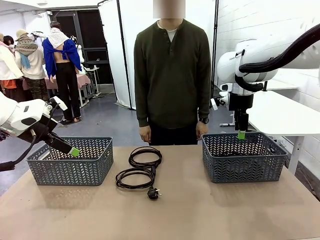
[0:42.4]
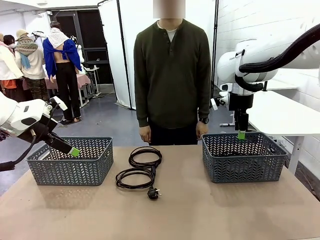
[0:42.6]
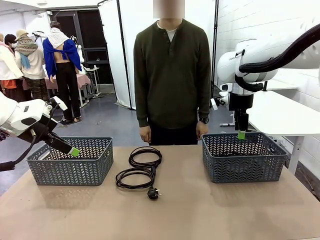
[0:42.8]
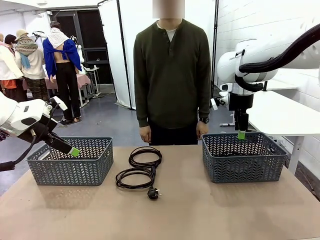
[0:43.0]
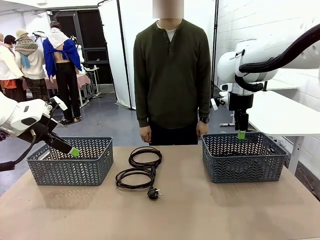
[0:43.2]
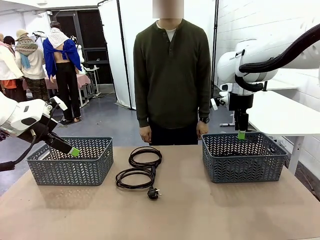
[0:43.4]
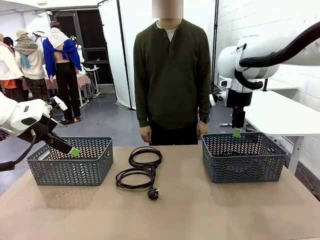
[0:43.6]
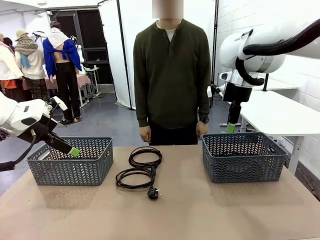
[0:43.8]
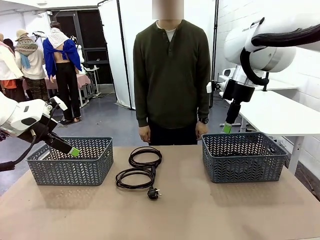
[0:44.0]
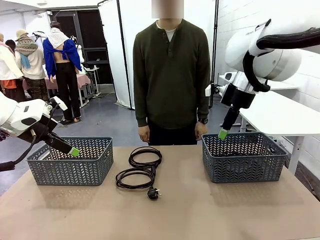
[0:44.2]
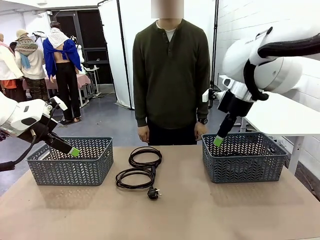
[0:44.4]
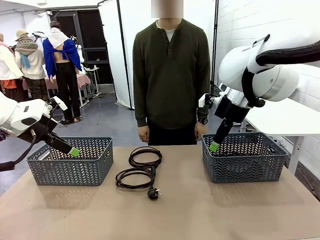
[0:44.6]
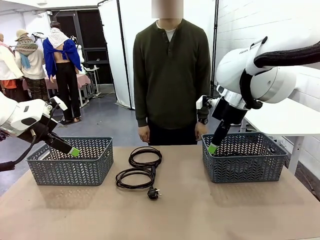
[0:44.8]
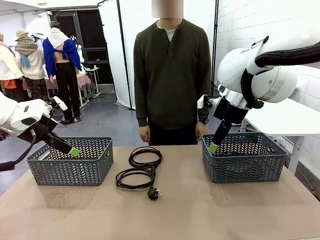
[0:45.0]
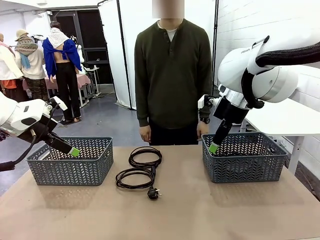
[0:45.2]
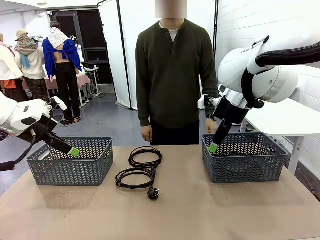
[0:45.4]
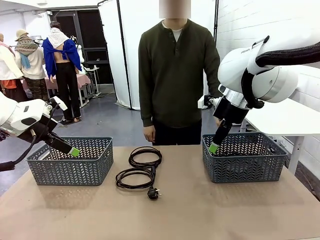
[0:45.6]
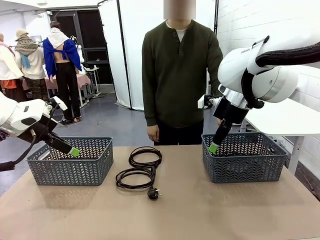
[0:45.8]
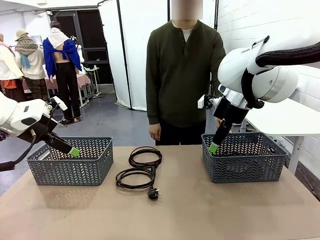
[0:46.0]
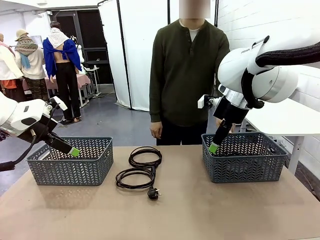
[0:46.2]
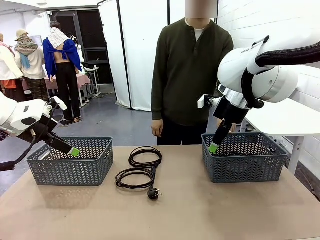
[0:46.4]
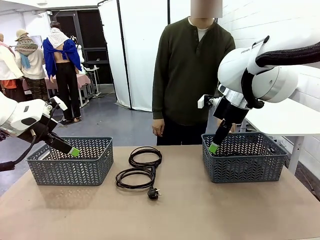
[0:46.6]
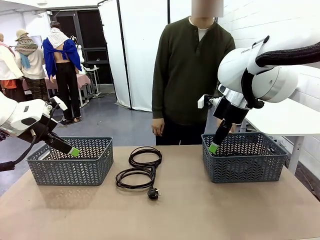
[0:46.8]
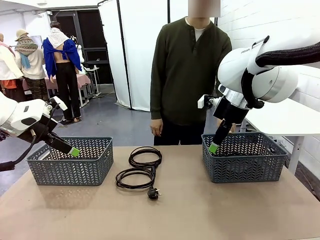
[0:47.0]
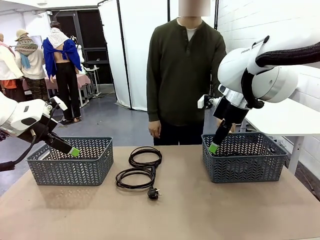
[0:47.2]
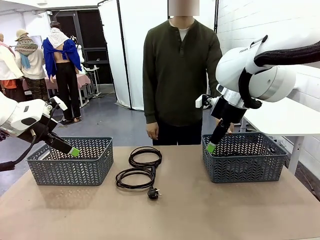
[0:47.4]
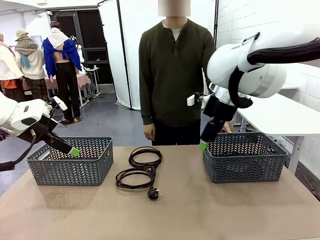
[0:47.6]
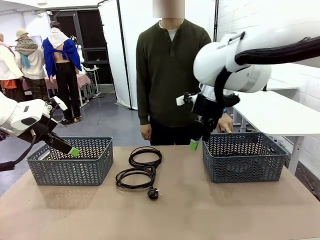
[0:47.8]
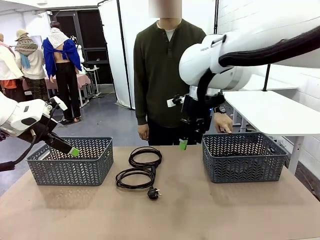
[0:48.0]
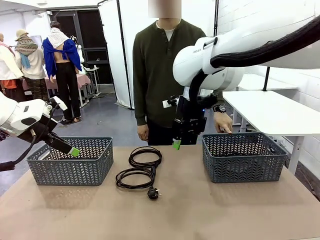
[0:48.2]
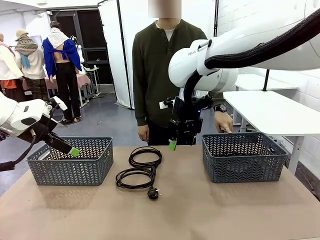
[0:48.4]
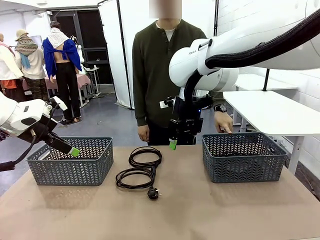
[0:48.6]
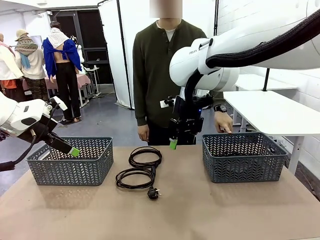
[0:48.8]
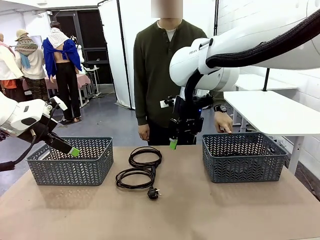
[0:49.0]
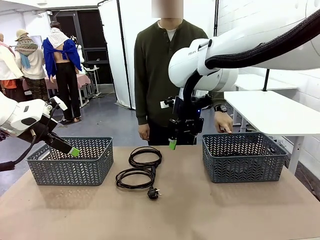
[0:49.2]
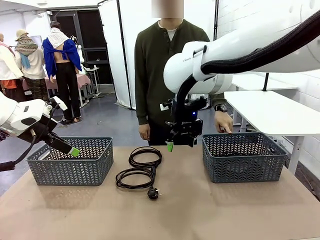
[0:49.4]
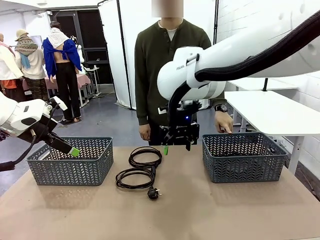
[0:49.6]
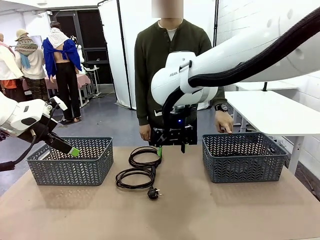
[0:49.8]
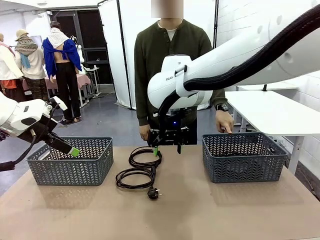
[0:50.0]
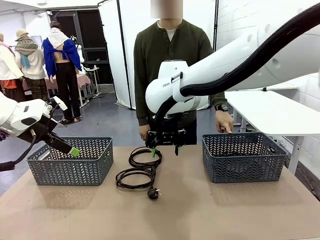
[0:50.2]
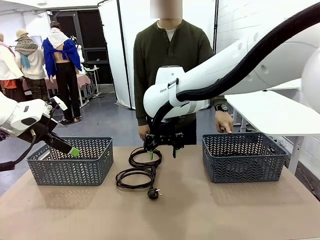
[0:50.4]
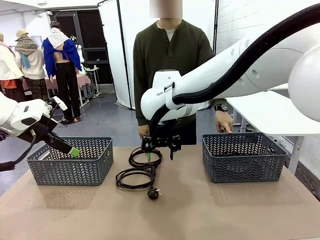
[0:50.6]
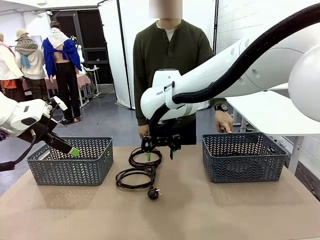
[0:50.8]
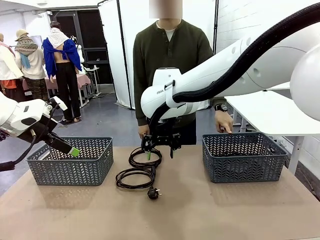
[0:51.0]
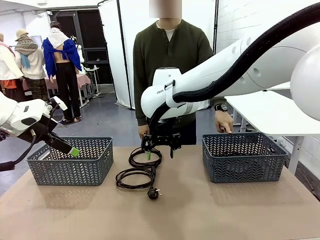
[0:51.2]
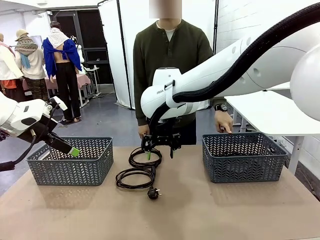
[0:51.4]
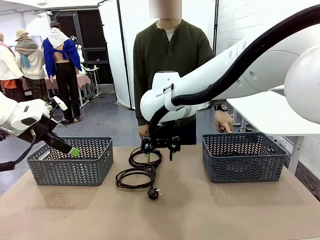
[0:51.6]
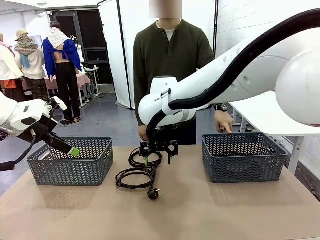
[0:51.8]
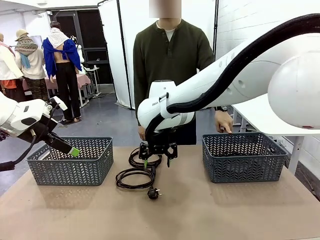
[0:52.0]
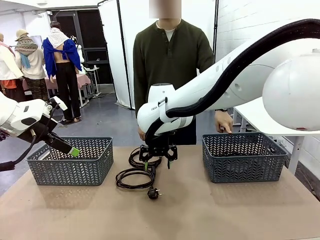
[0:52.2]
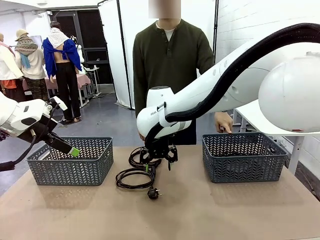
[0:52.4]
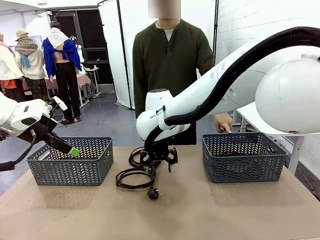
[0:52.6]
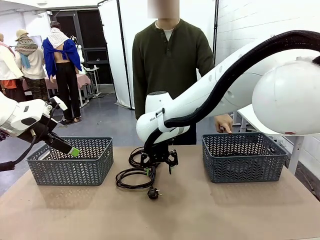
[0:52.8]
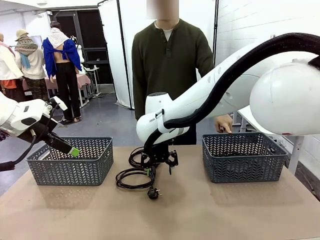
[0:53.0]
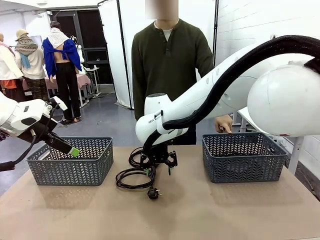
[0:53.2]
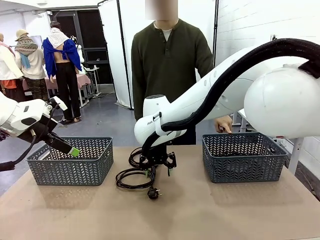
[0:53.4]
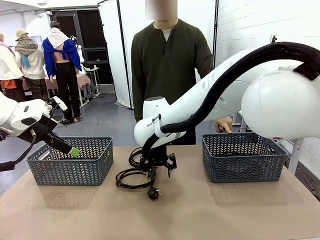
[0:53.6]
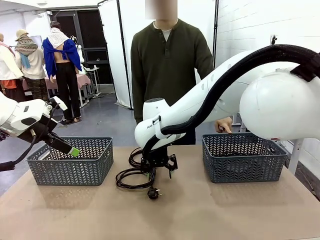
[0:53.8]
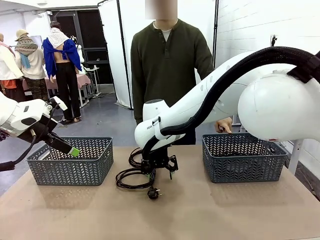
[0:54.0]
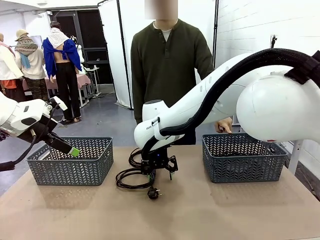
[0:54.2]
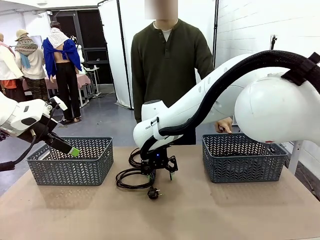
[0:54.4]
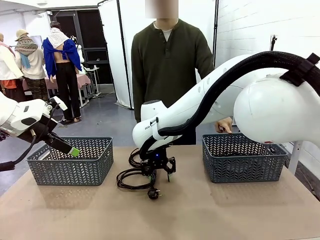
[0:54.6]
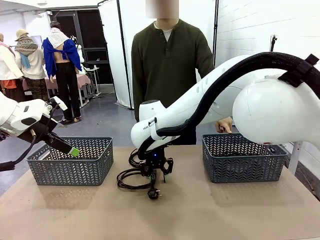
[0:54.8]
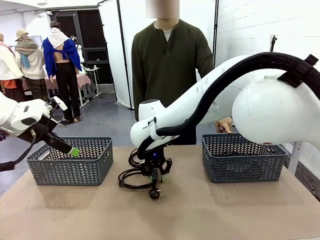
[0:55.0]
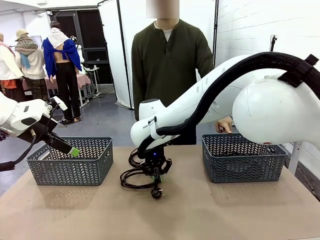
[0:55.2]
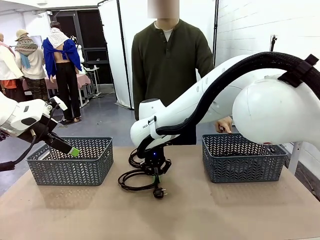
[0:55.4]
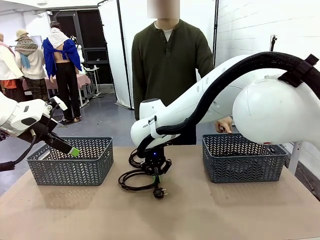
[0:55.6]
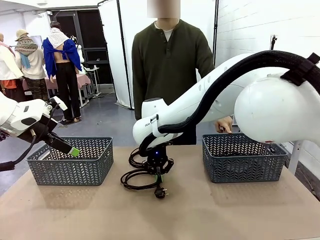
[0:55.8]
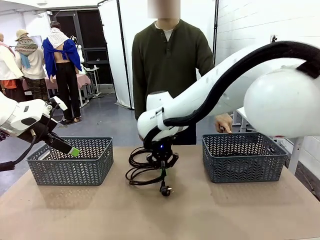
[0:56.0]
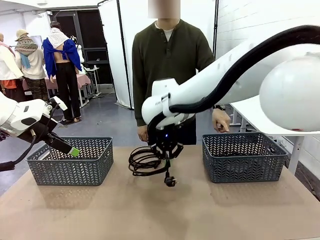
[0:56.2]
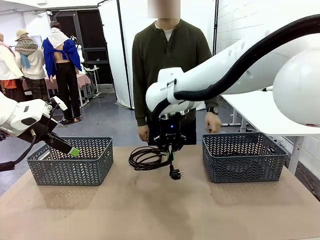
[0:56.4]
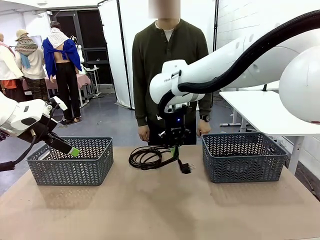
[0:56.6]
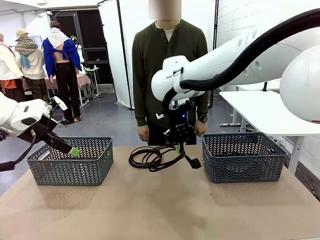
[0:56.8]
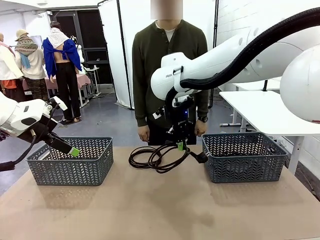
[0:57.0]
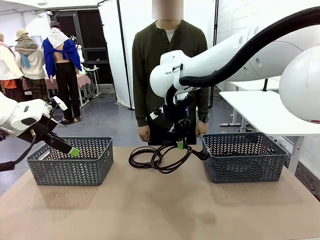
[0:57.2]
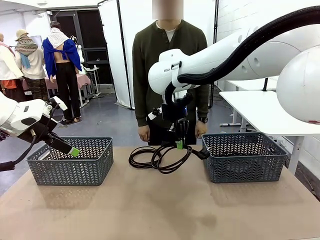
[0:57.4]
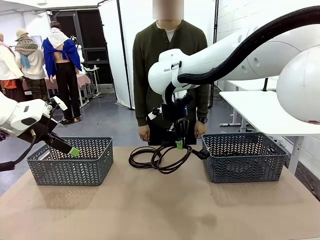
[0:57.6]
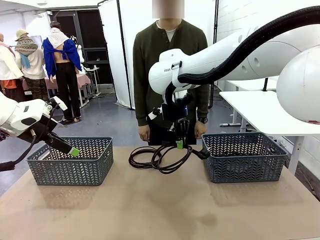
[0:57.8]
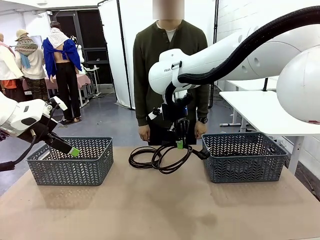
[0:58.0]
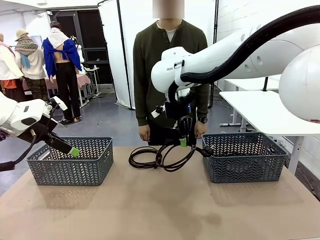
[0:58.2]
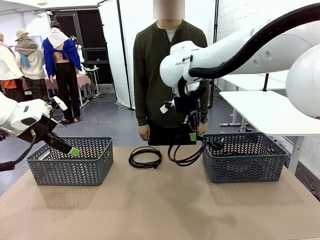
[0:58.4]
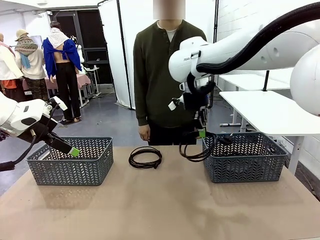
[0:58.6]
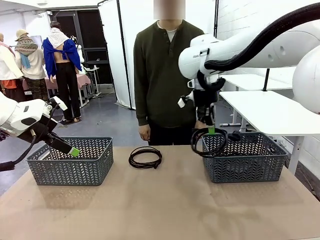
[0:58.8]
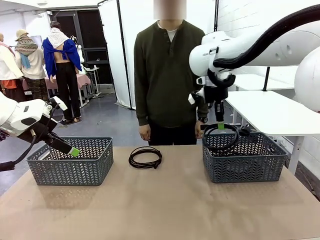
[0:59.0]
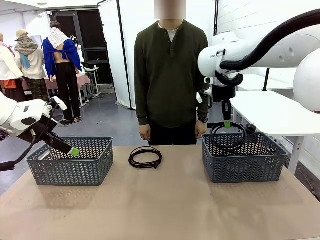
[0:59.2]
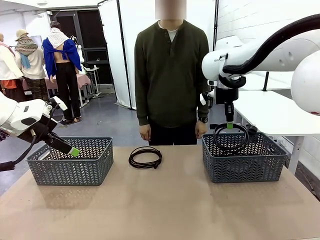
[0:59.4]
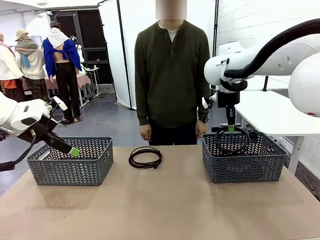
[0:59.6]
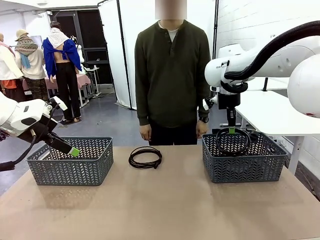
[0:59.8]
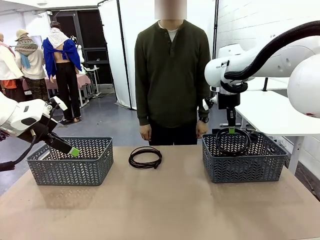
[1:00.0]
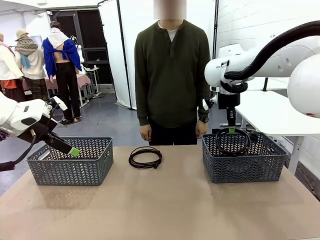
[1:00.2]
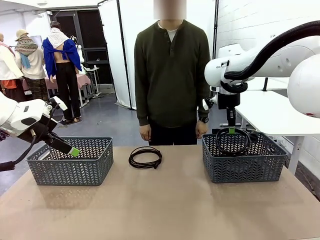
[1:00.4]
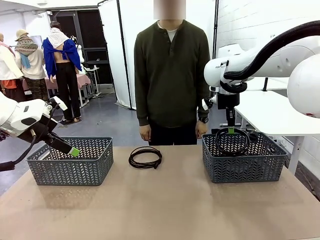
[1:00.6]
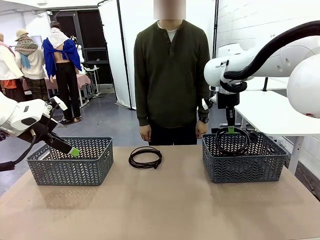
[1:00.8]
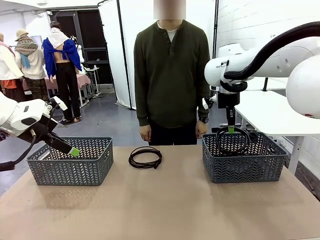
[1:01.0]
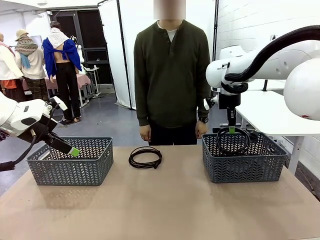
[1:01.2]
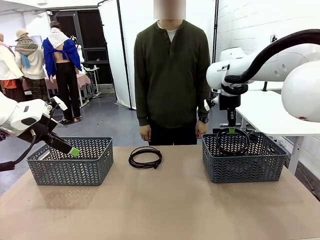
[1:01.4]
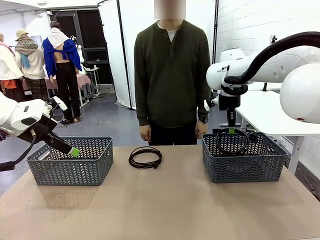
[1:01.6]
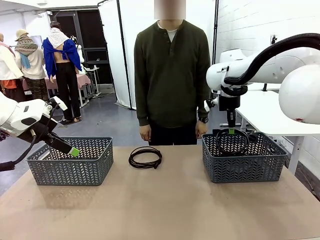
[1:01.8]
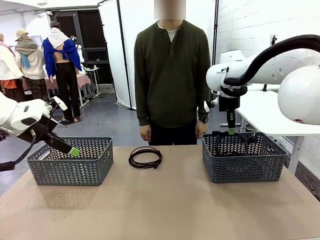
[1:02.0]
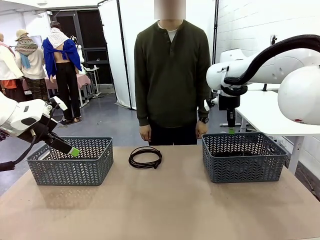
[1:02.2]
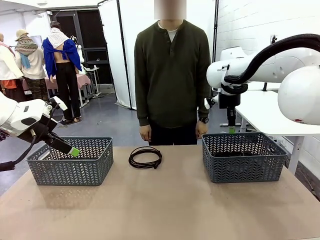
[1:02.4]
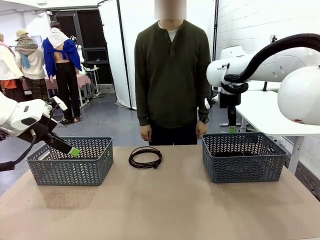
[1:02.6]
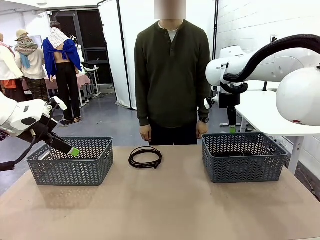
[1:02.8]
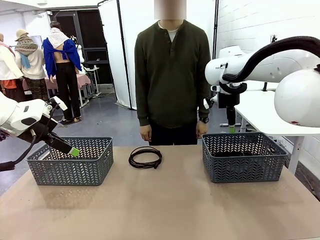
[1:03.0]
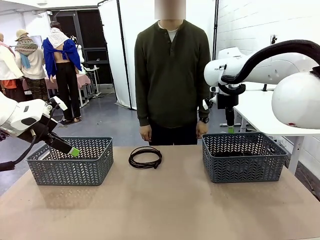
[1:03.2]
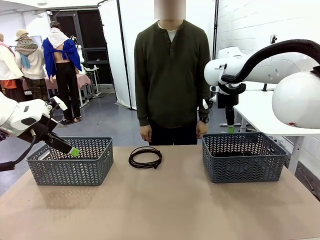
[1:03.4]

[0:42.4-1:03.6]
Task: Organize the cables according to human instructions.
Robot: Pick up a bundle of cables and place it in the basket indicated by the human.
